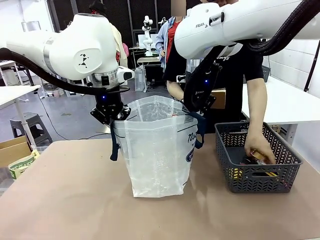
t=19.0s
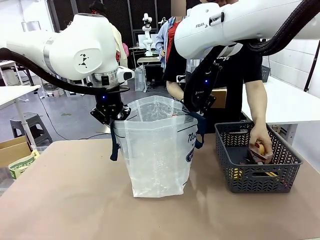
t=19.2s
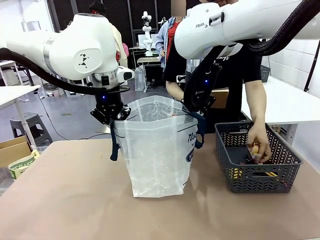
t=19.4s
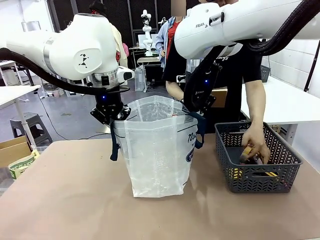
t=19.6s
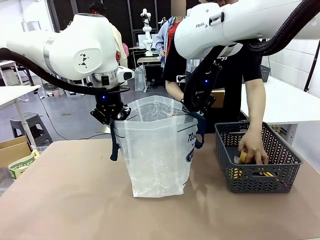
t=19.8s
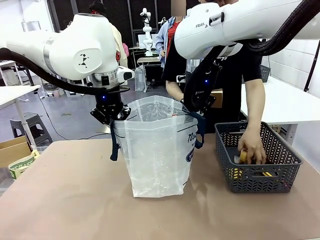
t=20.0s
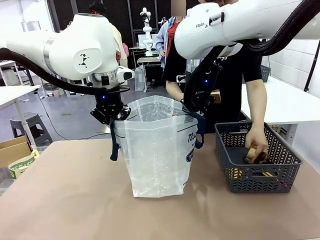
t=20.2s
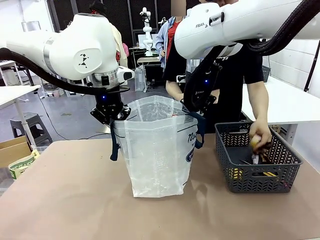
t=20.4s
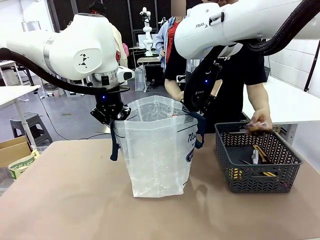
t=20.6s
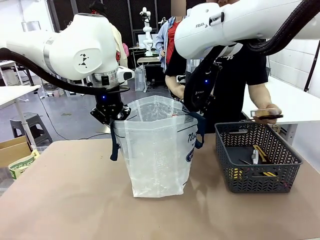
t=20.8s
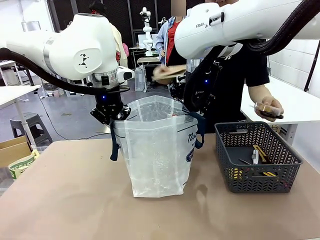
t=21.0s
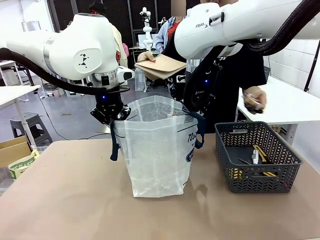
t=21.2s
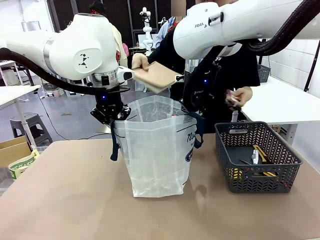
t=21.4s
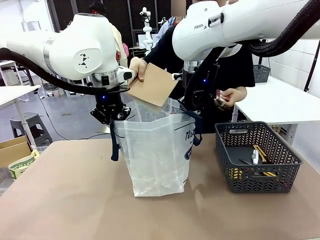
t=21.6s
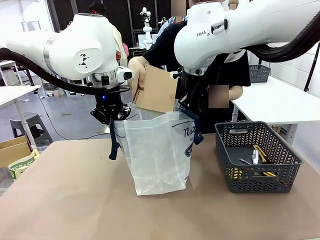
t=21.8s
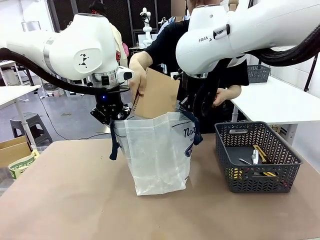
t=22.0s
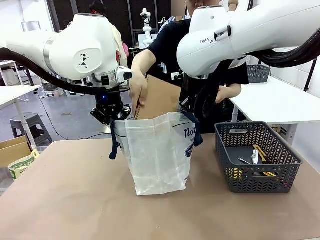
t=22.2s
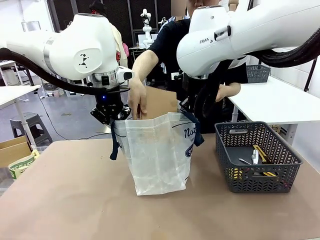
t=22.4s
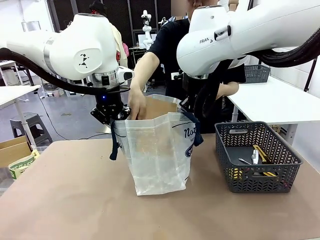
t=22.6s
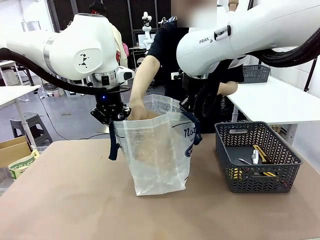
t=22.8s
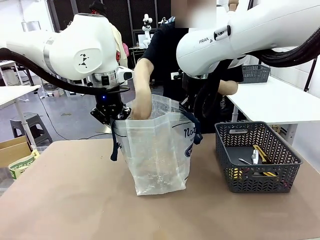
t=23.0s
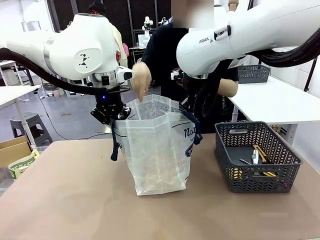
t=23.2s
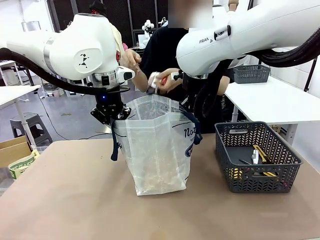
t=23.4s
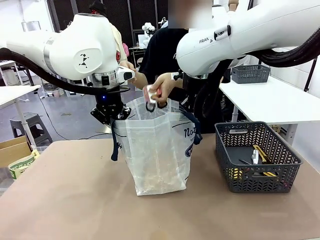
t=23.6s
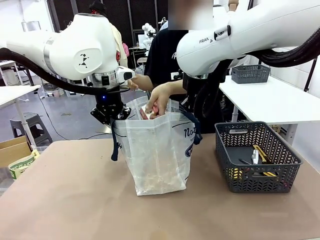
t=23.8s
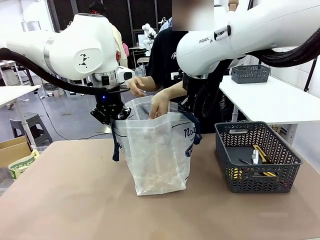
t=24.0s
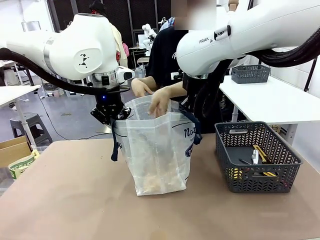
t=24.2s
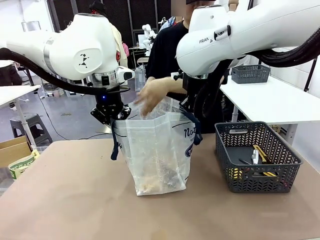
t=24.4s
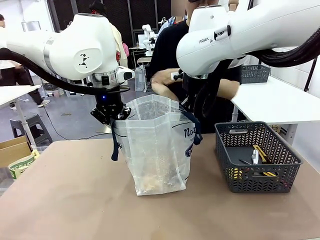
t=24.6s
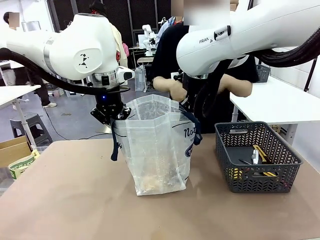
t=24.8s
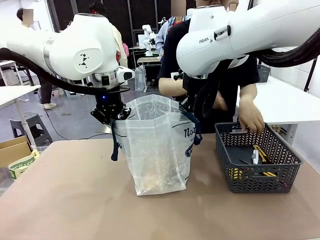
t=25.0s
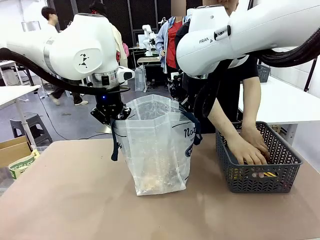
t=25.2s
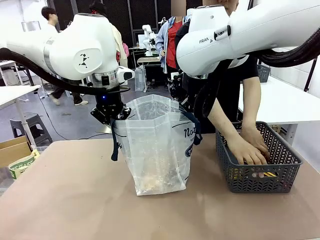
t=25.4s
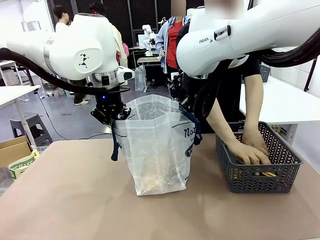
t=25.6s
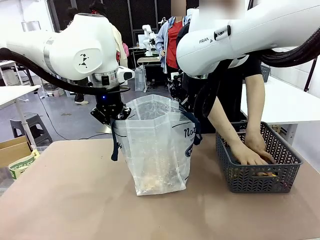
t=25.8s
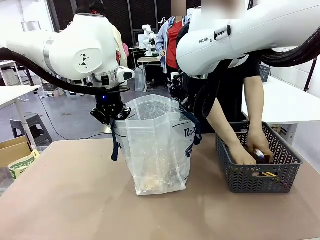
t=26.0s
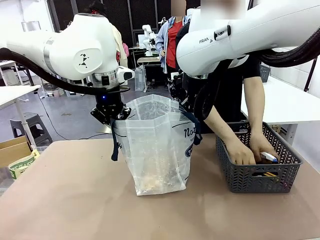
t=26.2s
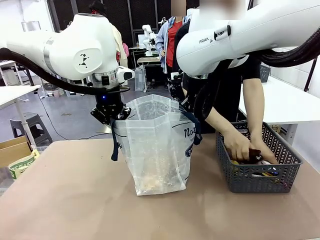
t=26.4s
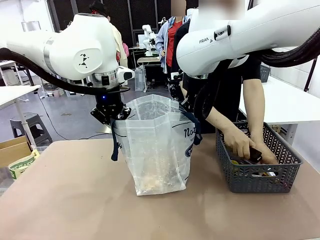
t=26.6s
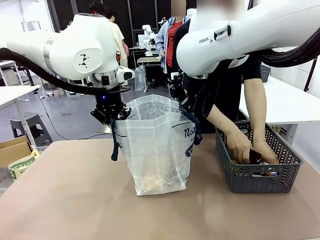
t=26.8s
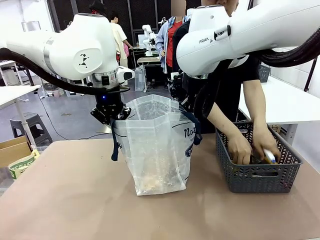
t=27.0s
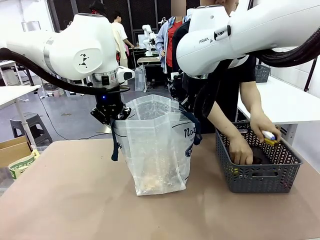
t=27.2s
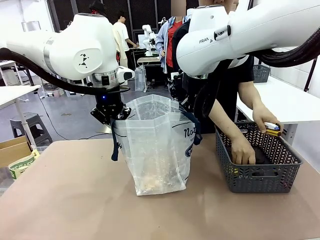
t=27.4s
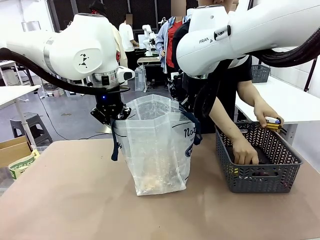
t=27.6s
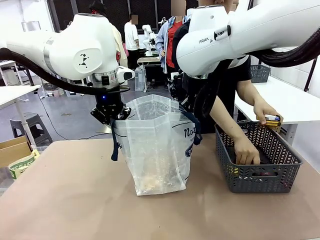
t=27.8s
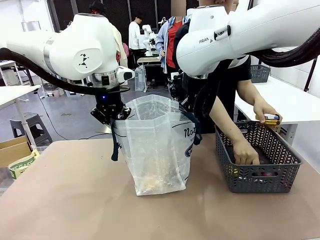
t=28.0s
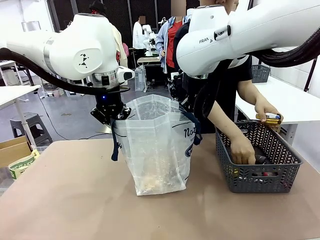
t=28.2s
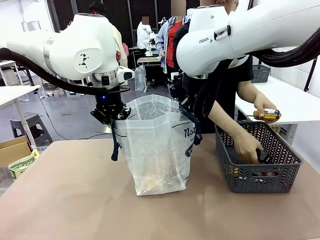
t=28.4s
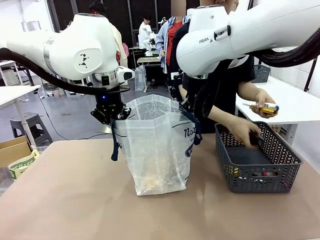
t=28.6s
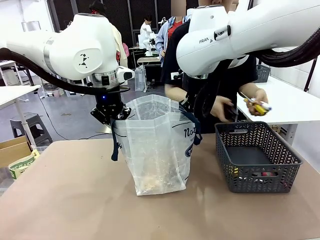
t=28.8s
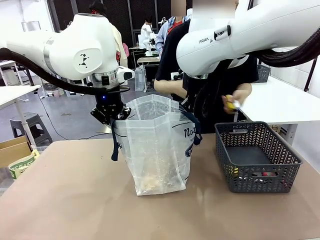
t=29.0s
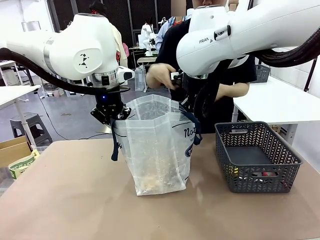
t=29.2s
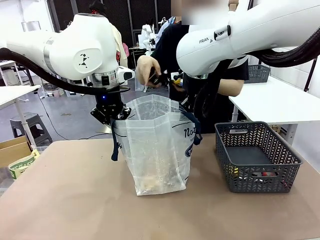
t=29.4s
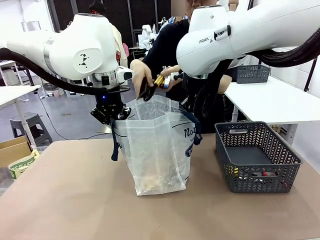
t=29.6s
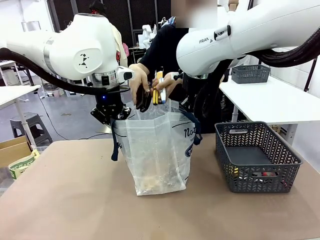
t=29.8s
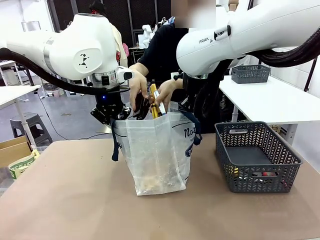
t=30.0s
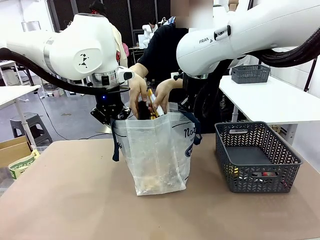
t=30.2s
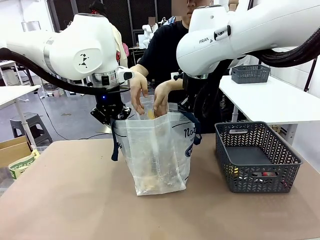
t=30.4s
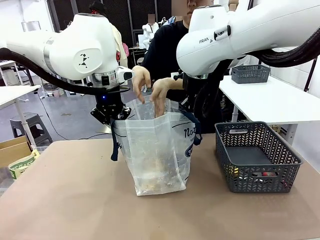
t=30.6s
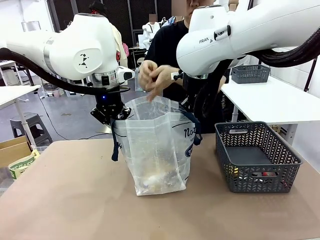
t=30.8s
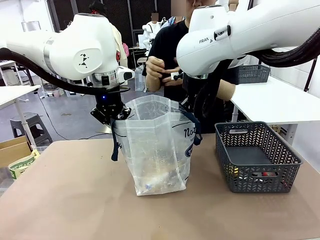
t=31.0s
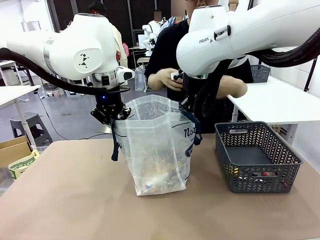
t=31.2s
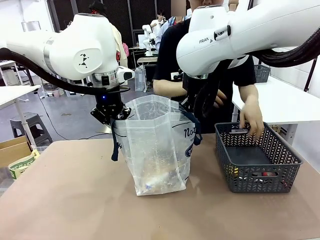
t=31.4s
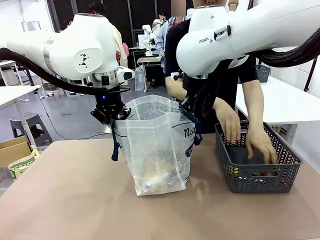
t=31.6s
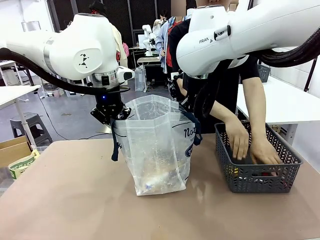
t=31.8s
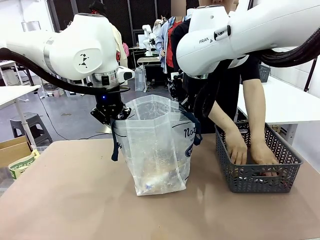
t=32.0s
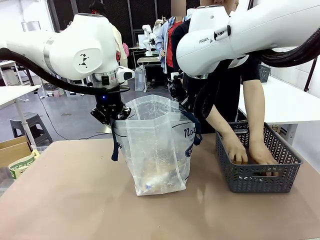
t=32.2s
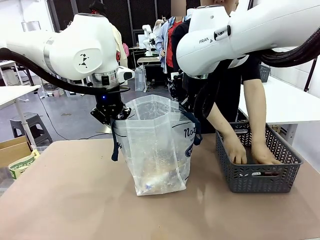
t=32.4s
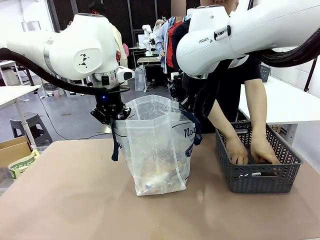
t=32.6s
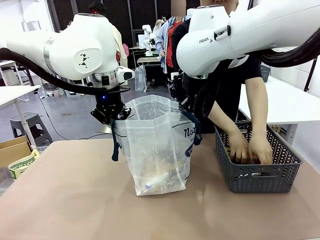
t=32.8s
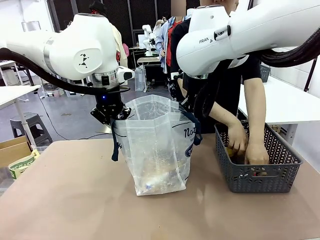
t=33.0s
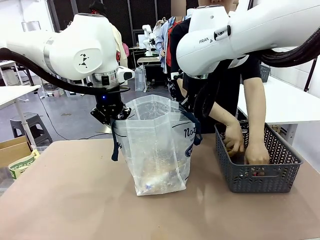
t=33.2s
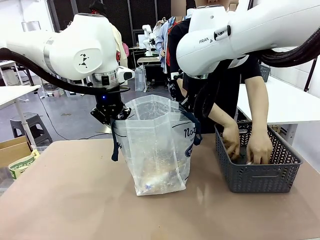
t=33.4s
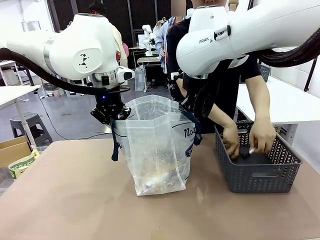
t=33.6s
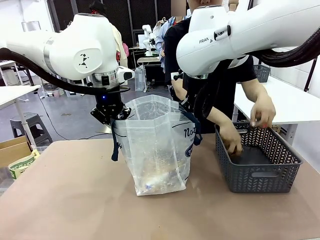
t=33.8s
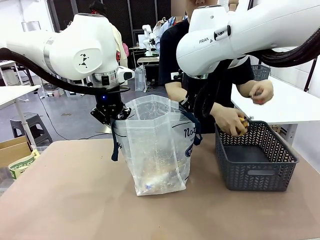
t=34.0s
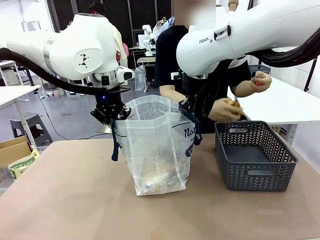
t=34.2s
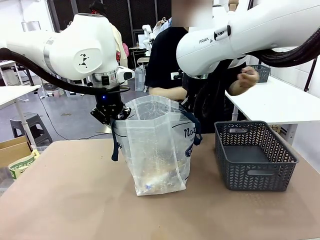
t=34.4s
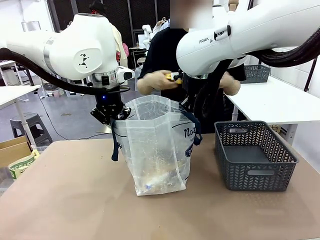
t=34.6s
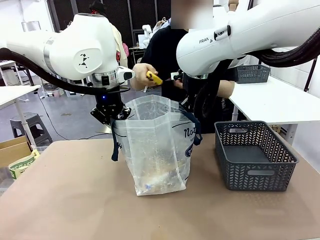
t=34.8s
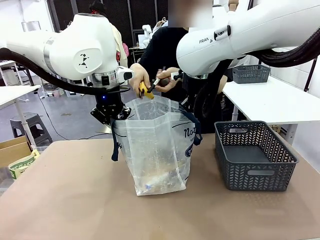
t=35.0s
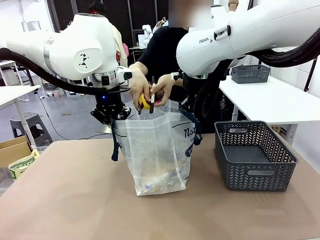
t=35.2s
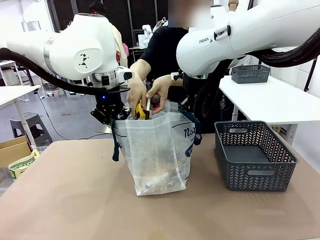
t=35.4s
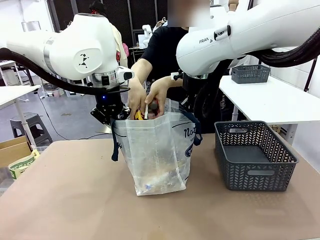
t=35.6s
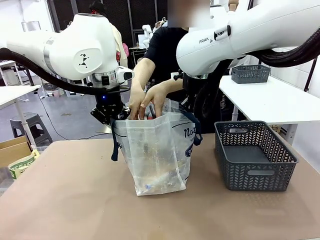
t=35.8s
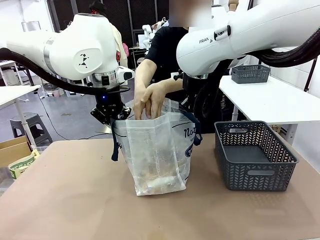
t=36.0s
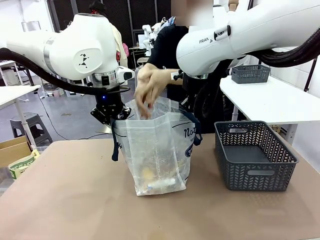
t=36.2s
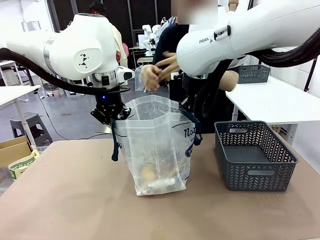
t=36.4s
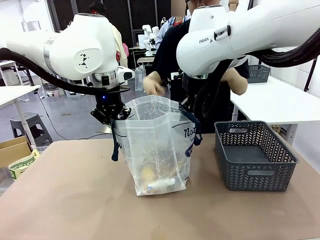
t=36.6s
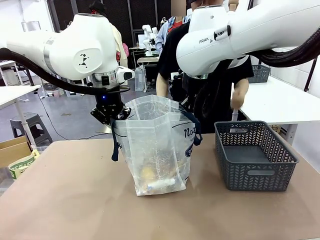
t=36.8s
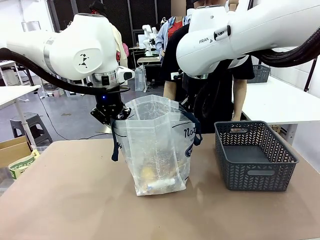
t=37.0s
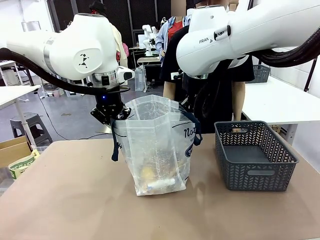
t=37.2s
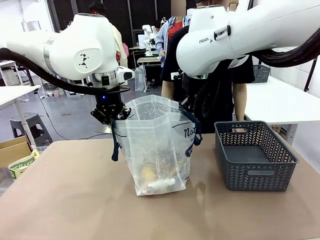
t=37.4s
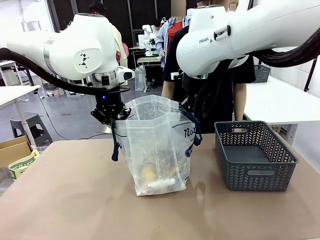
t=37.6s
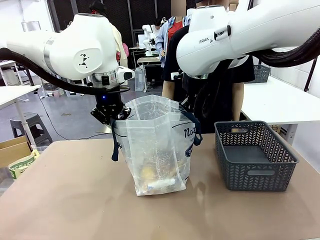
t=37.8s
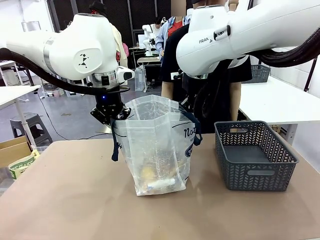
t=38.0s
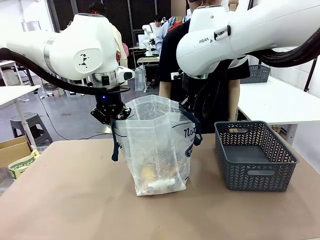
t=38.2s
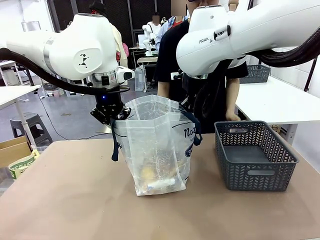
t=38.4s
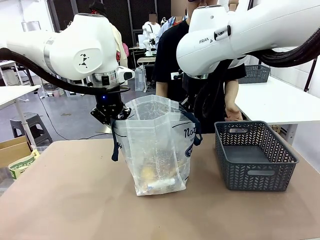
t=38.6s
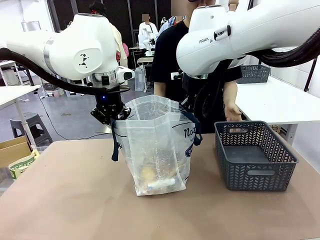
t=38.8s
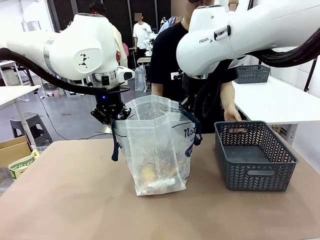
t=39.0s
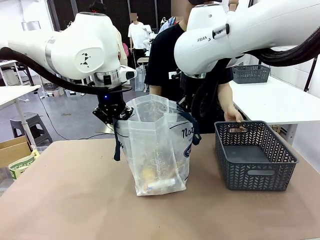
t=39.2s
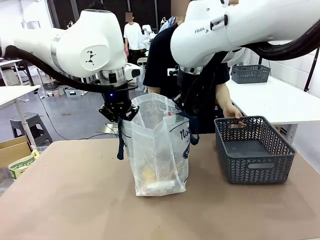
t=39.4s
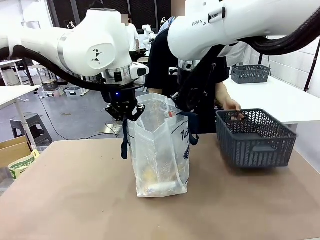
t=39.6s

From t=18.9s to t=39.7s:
Task: Transfer purchased items from the store into the shopping bag.
Robot: Move the Reusable shopping bag to the right side of the table.
Person: Pick up the basket on the right, place it on the left side of the robot table, and move the items in the basket to the shopping bag.
